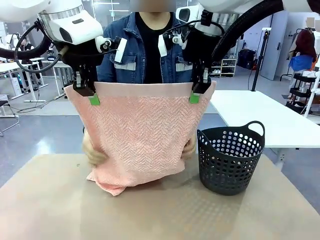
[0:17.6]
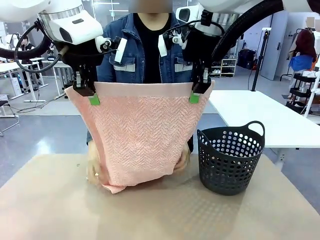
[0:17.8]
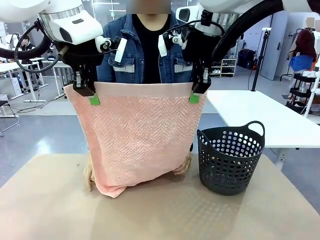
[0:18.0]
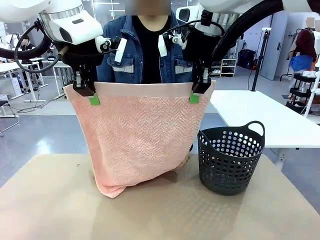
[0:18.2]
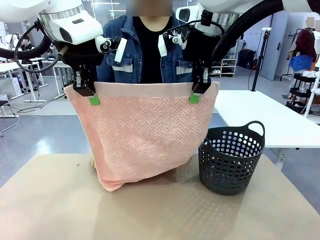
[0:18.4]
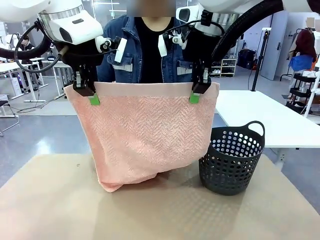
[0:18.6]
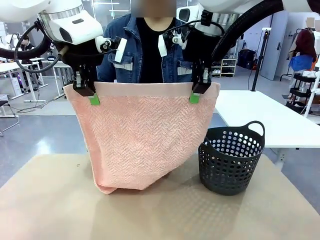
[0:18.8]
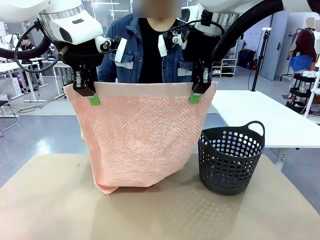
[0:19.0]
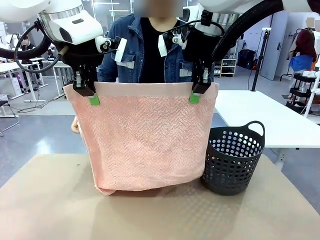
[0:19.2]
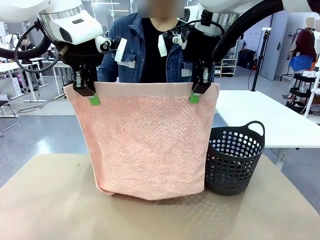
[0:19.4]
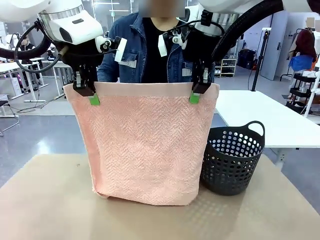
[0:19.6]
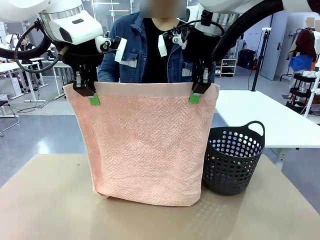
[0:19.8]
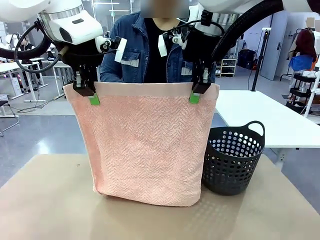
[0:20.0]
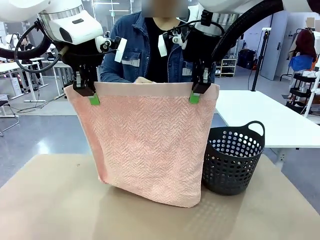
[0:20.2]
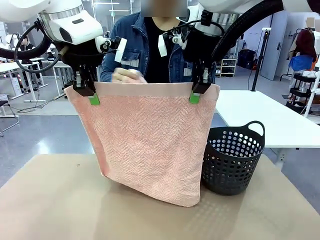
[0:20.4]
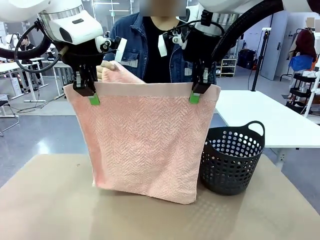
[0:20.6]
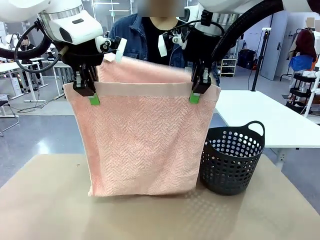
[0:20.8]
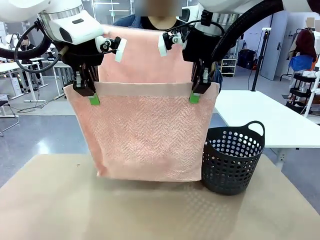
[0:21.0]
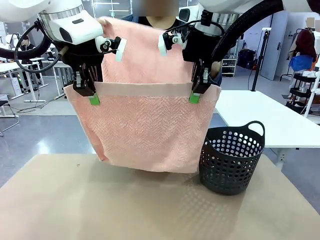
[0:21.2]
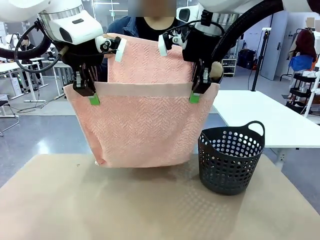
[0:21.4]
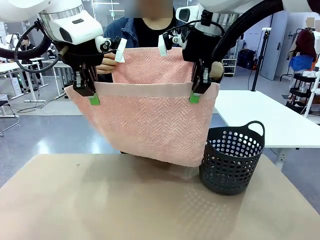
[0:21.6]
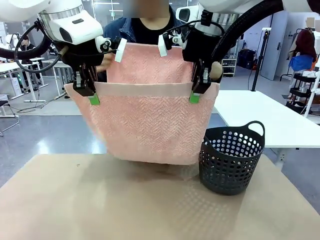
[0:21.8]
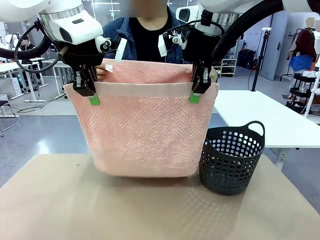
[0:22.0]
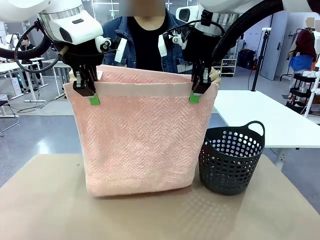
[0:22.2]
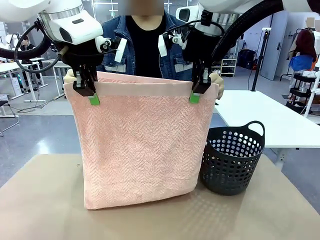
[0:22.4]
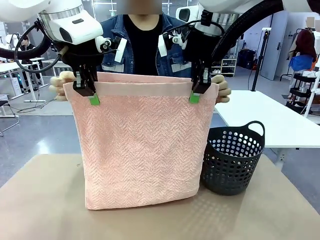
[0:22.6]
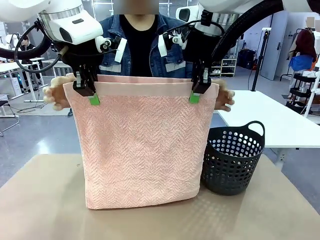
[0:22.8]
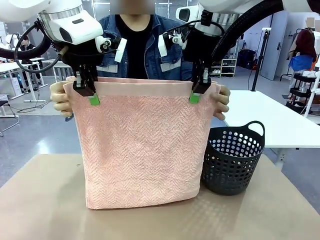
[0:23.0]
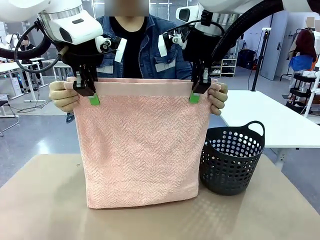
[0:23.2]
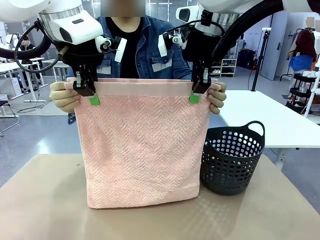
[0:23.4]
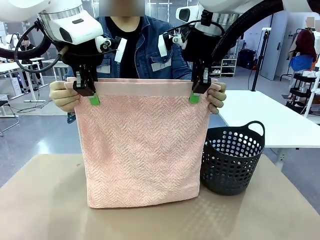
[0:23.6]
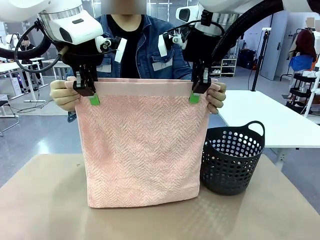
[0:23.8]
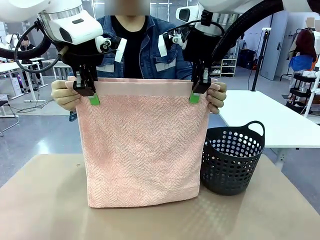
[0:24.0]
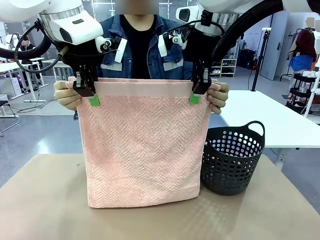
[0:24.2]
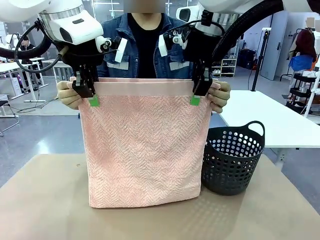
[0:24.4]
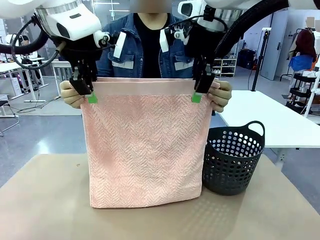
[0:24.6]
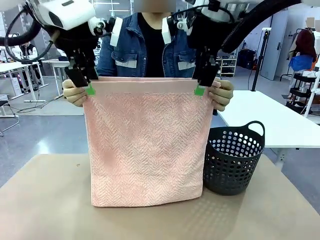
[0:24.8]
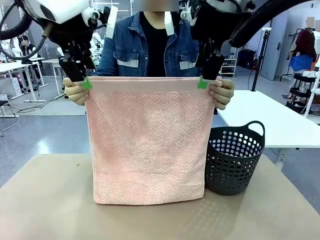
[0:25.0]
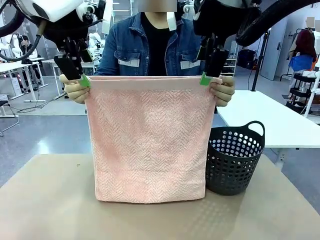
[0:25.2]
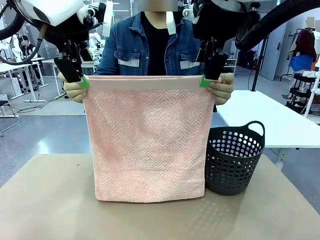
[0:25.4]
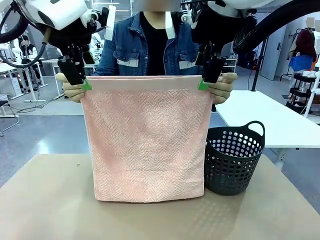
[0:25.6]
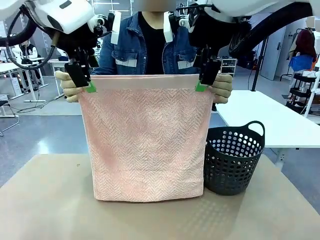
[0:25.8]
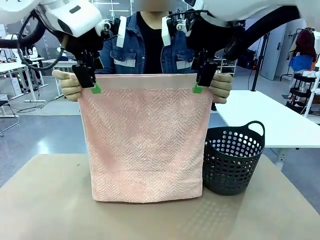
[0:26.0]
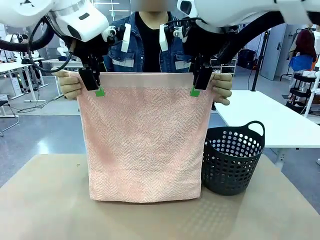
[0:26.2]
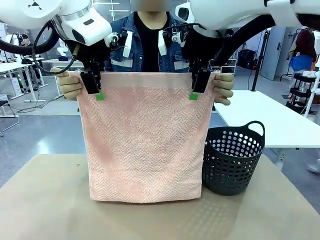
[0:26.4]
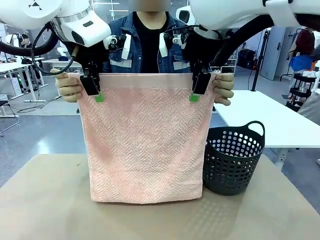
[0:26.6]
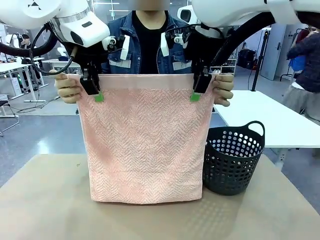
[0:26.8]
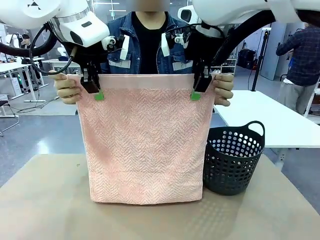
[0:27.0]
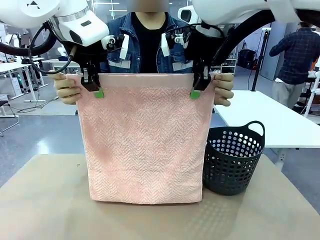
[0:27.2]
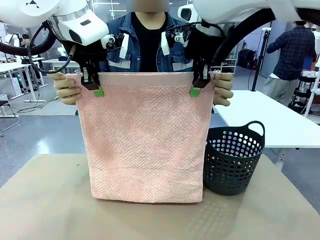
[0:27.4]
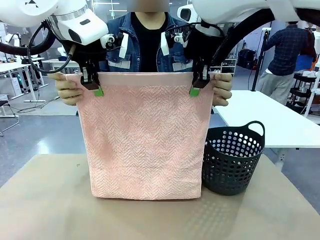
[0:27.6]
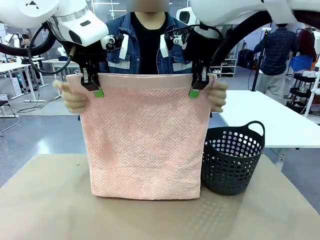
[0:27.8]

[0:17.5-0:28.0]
Task: Fold the towel.
Robot: Release the end of the 100 cm Hotel Towel you were holding and grab the top end of the folded side.
Person: Using the point held by the robot as a reference, grasp the opposite end, fold the towel in half, and then hold both ends of the folded towel.

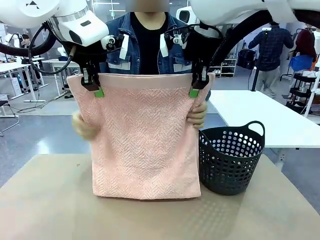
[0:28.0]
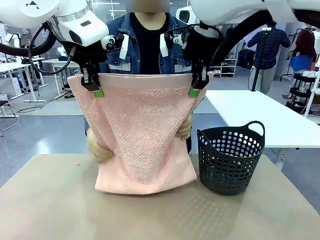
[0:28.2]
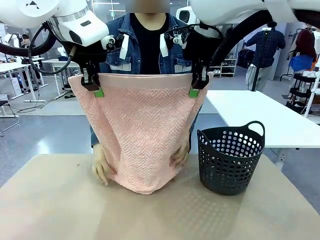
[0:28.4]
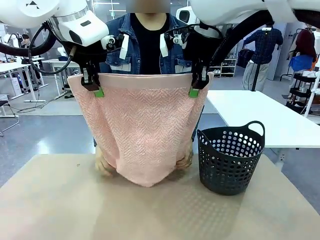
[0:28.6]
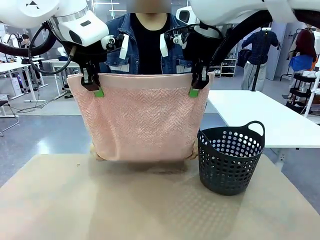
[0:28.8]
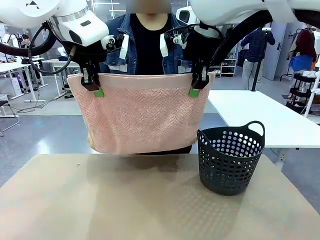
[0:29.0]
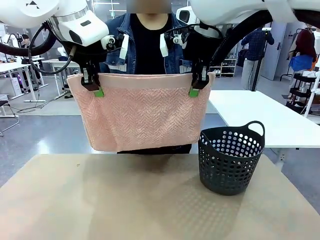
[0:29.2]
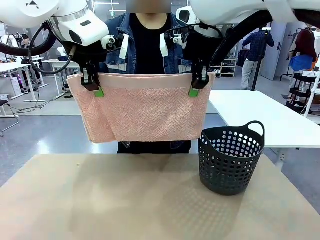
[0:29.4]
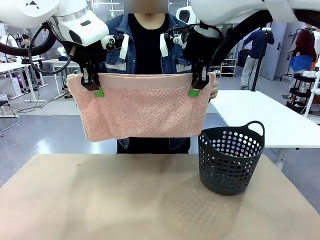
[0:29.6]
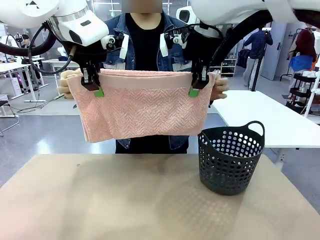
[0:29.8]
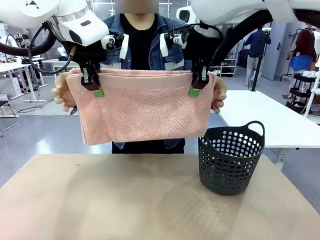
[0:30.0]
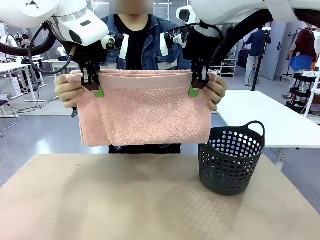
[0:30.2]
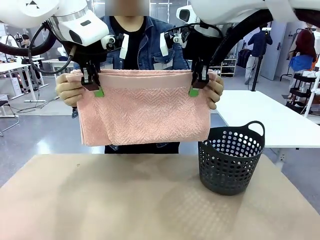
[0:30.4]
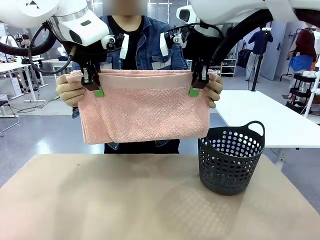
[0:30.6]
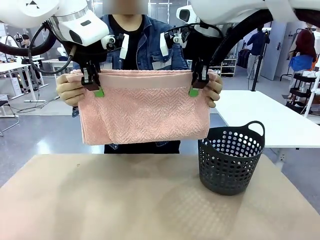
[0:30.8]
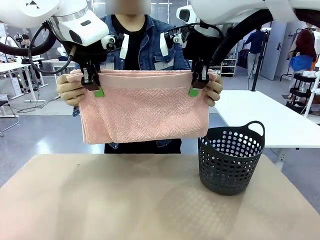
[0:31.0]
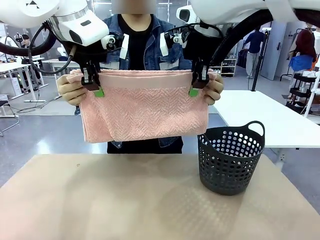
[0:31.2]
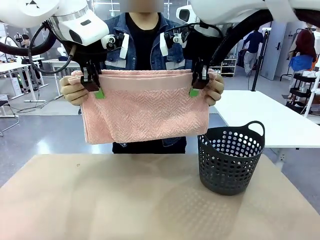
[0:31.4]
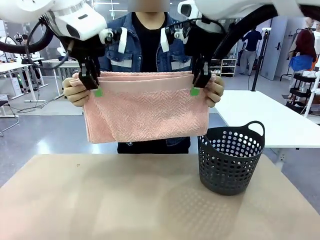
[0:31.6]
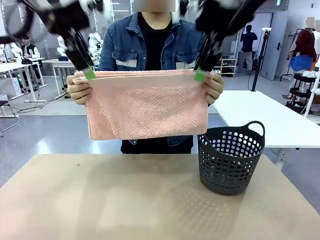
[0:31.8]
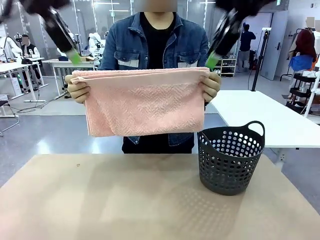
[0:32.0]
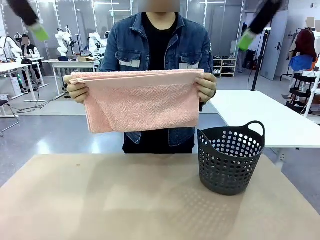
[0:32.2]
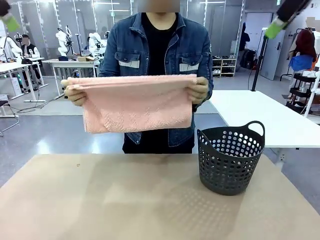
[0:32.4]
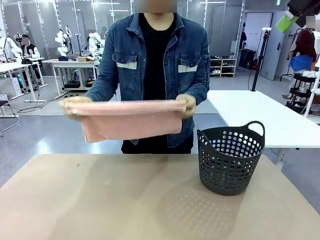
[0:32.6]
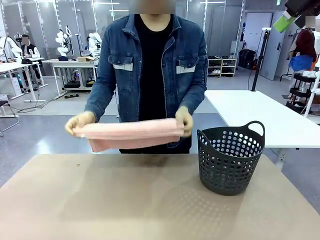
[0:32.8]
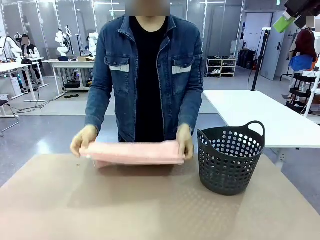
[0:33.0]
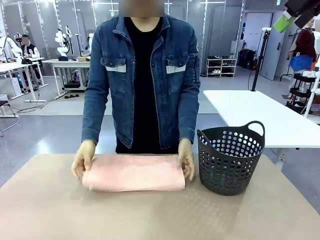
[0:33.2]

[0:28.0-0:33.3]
Robot: Release the end of the 100 cm Hotel Towel you were holding.
